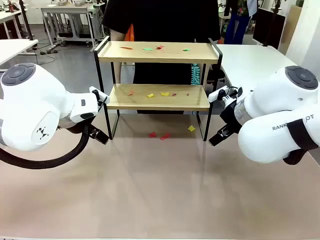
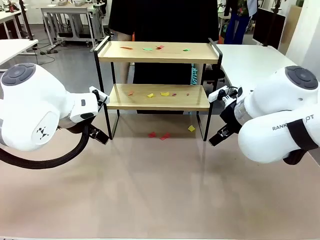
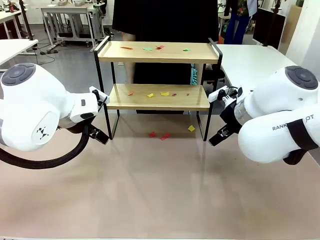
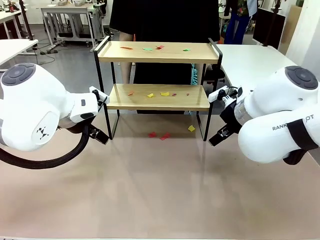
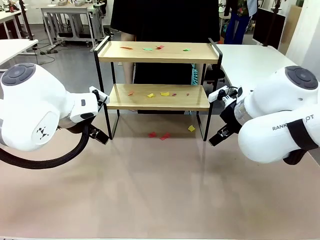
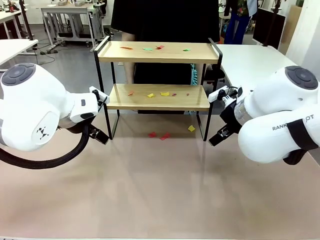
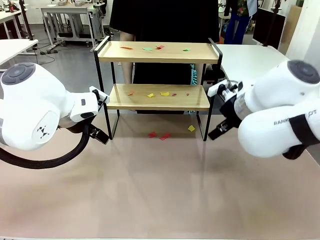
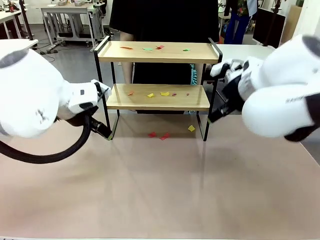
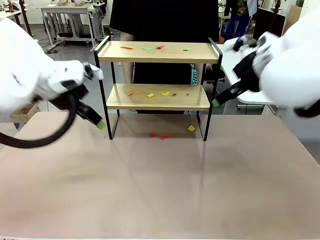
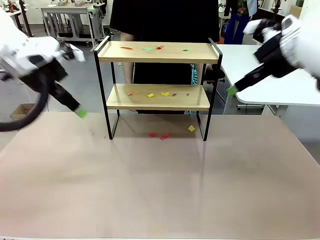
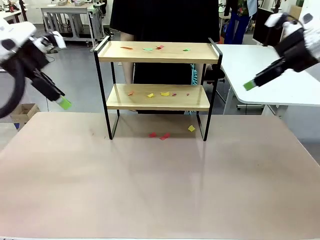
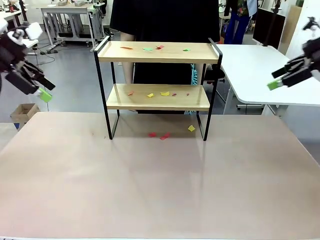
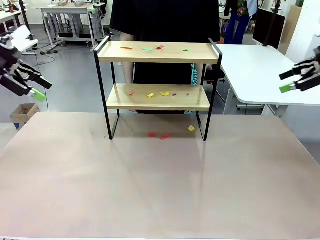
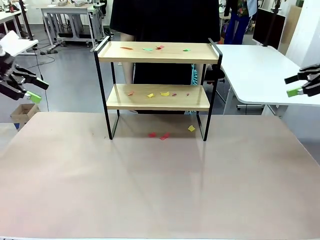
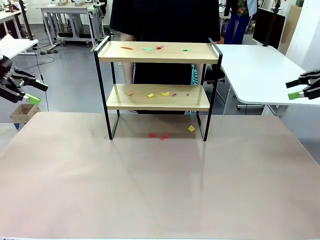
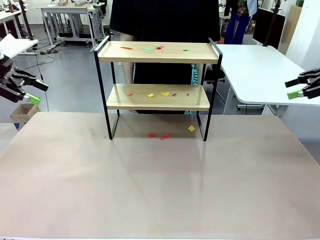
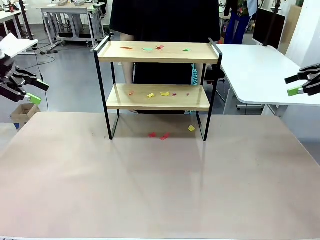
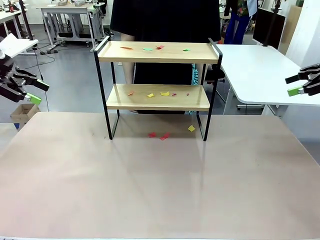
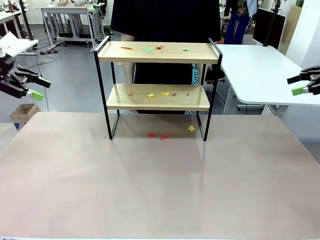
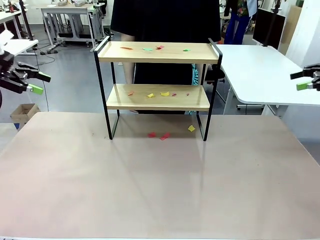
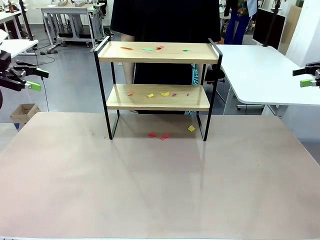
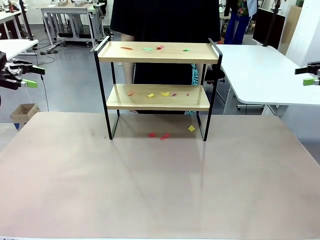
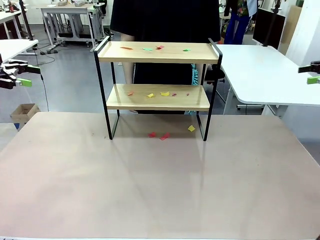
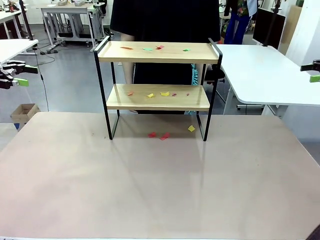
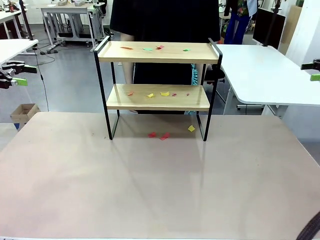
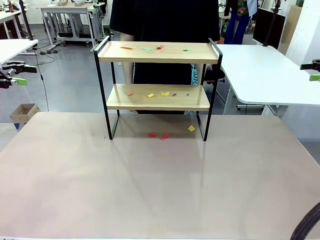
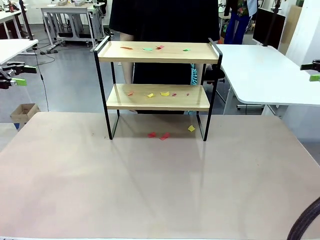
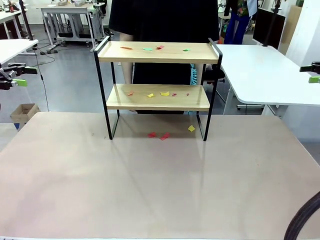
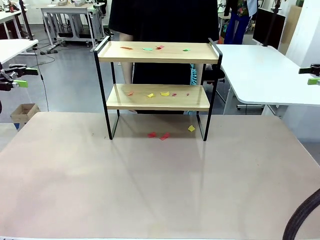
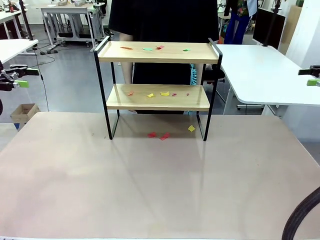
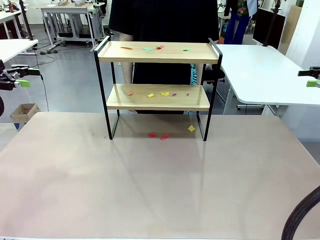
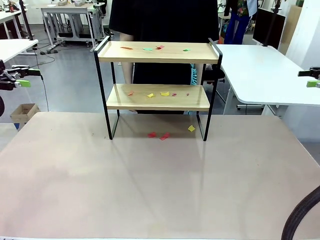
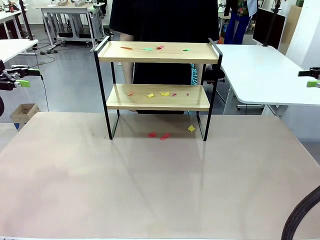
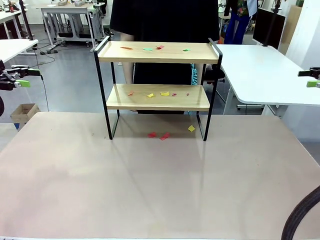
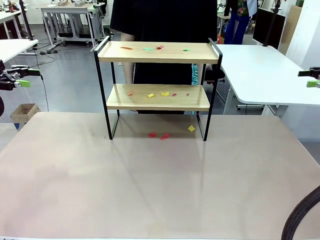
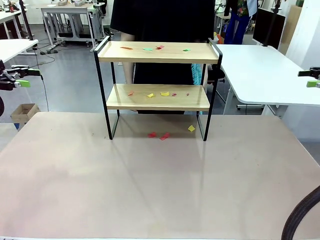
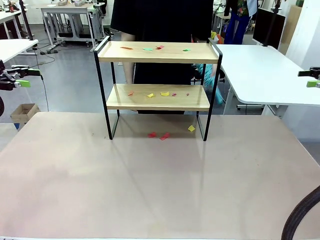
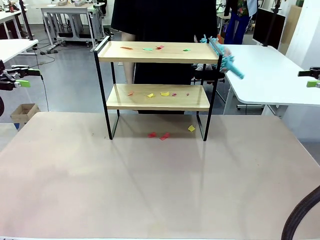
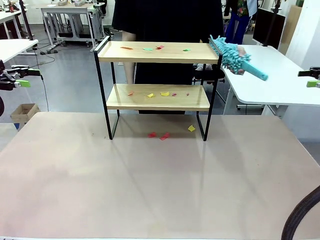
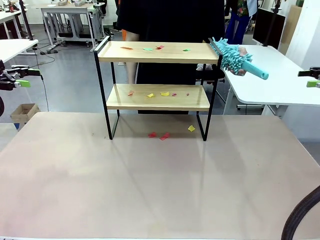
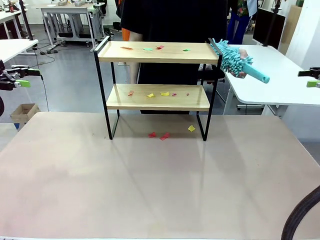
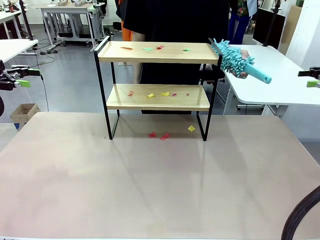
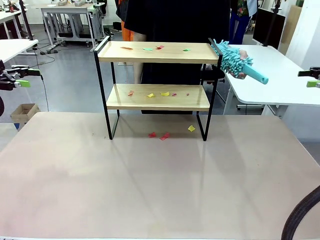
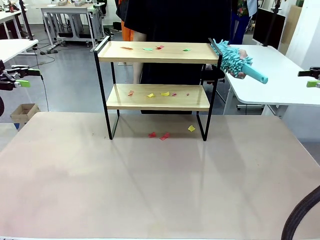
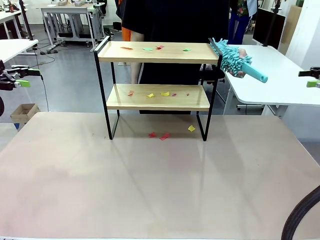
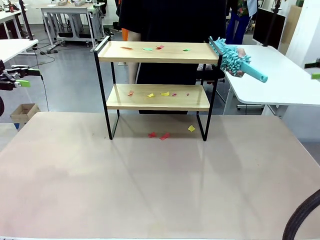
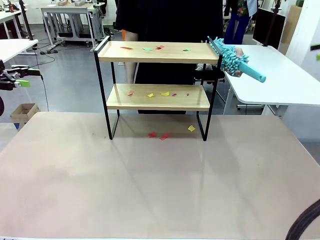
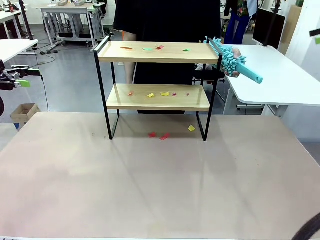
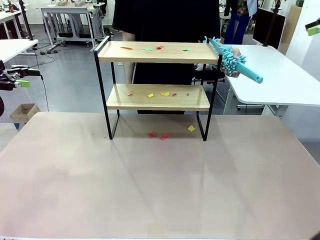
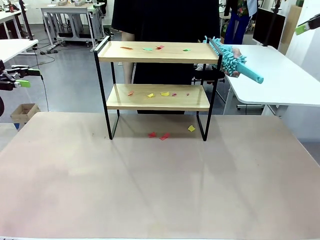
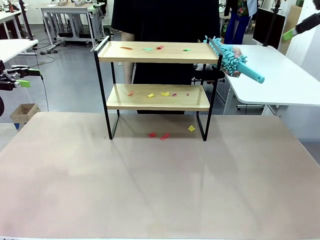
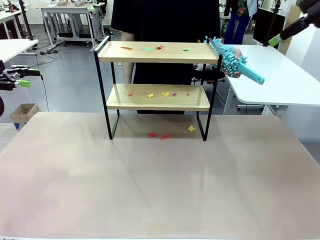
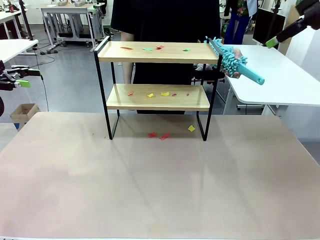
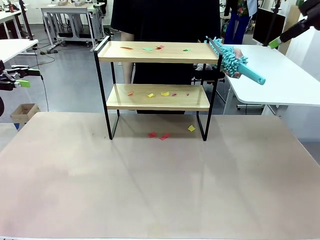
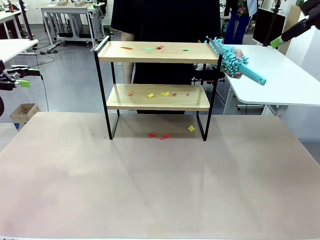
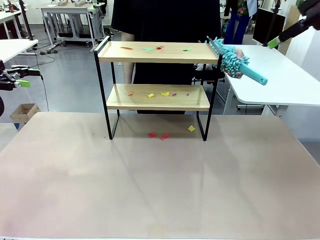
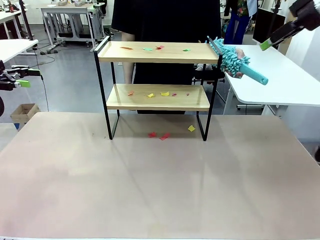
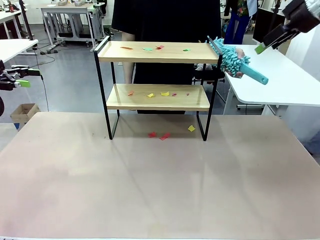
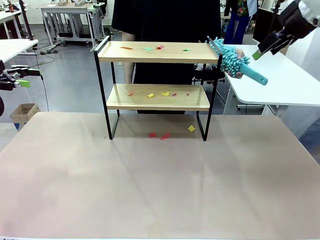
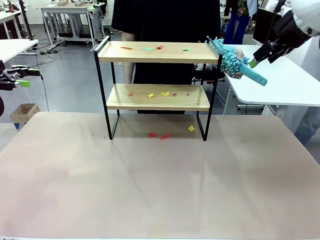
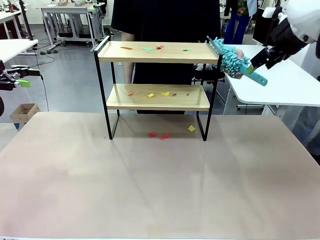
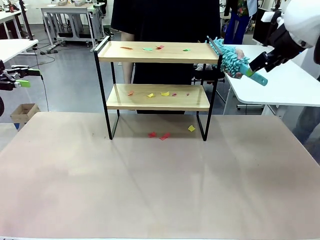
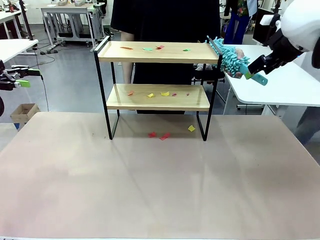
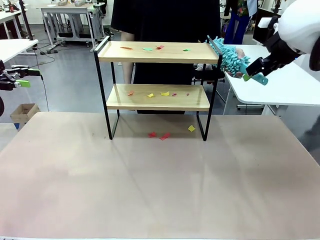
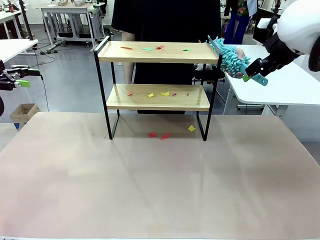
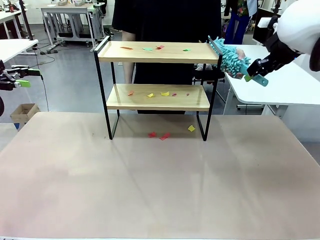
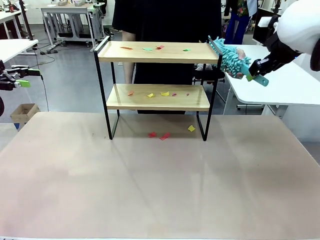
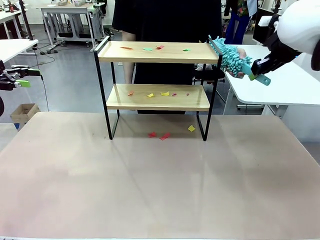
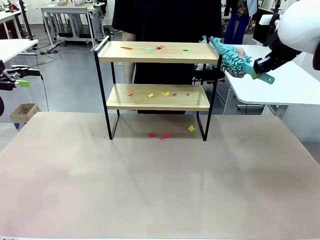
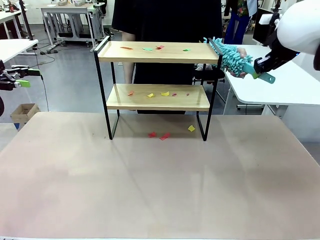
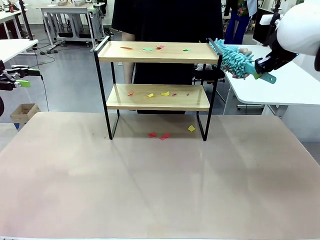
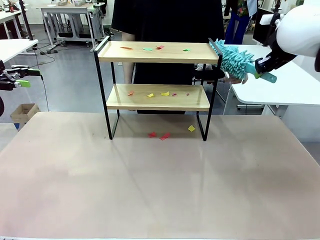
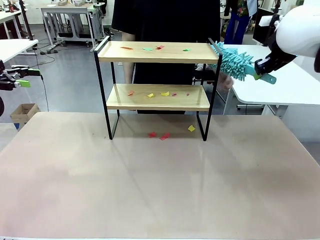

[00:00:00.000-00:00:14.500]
Task: Clean the shelf.
Robot: Pick up the Duster handed by the human.
Person: Hand the Duster to the robot.
